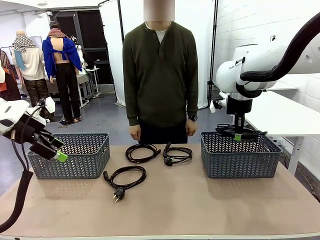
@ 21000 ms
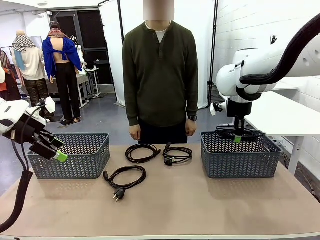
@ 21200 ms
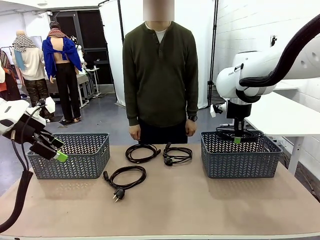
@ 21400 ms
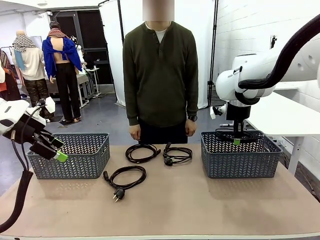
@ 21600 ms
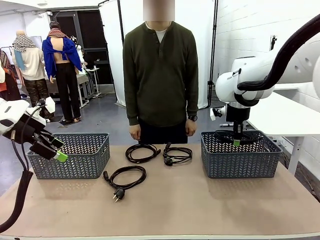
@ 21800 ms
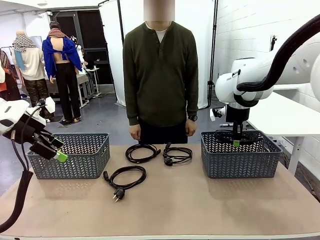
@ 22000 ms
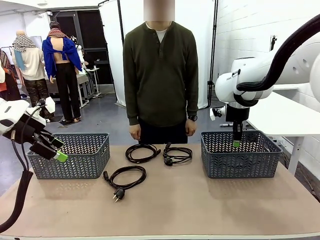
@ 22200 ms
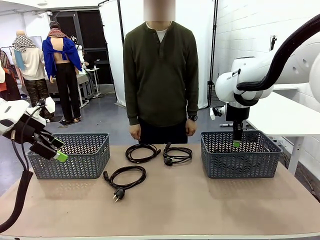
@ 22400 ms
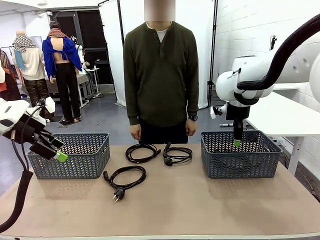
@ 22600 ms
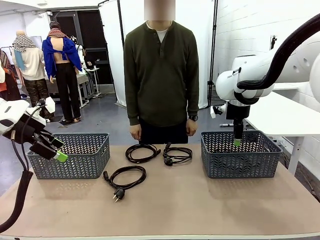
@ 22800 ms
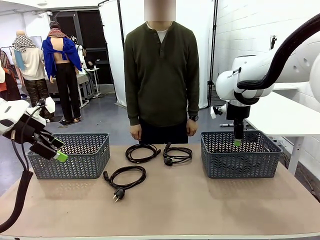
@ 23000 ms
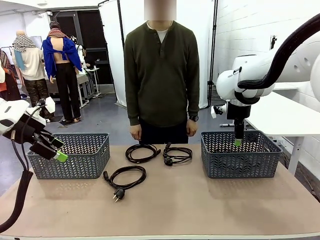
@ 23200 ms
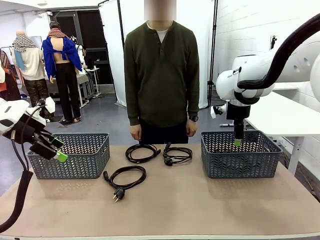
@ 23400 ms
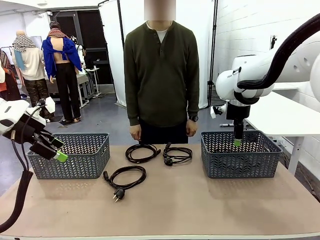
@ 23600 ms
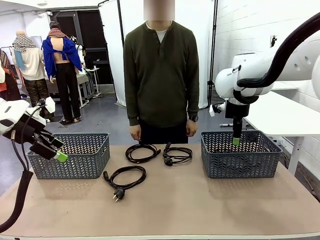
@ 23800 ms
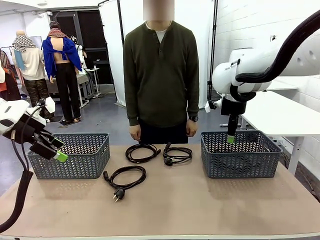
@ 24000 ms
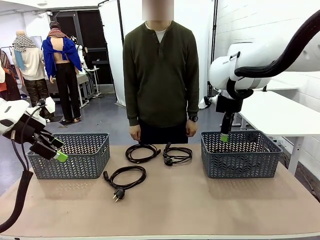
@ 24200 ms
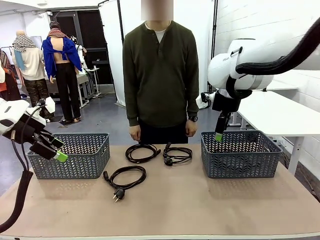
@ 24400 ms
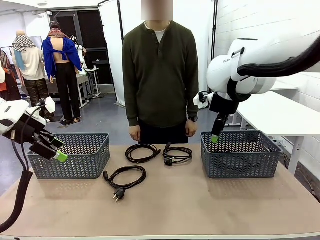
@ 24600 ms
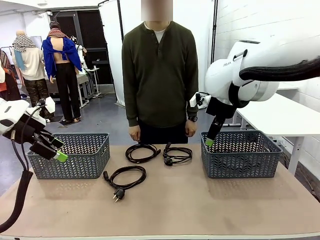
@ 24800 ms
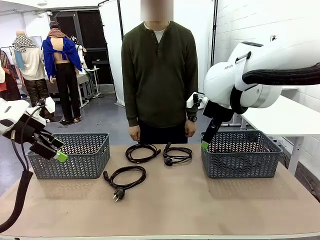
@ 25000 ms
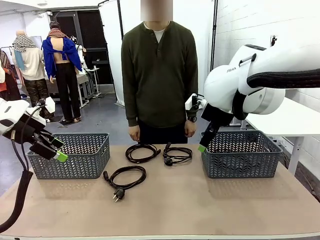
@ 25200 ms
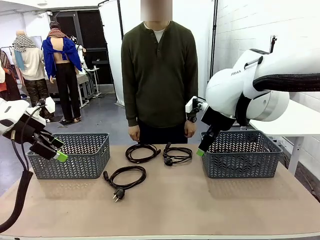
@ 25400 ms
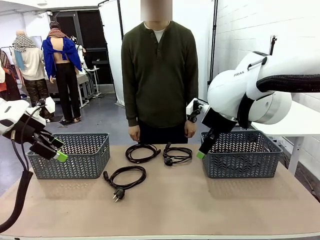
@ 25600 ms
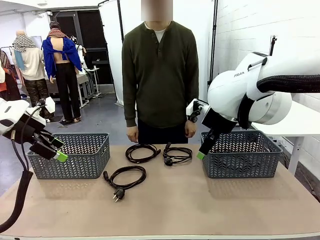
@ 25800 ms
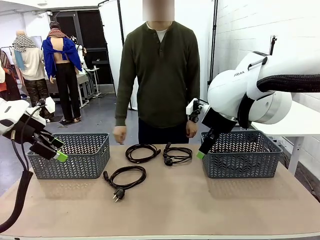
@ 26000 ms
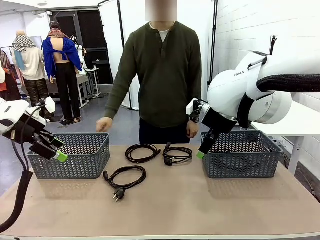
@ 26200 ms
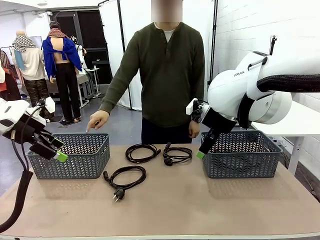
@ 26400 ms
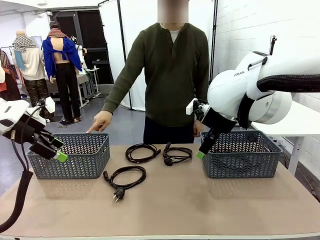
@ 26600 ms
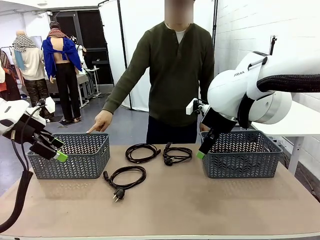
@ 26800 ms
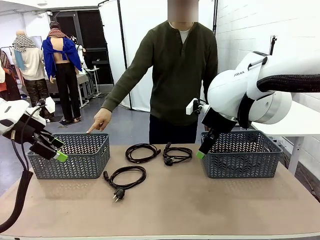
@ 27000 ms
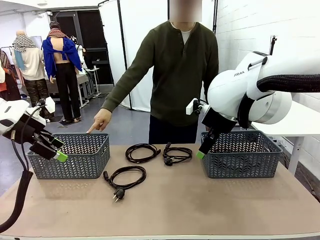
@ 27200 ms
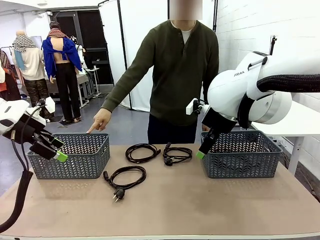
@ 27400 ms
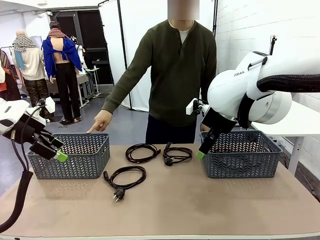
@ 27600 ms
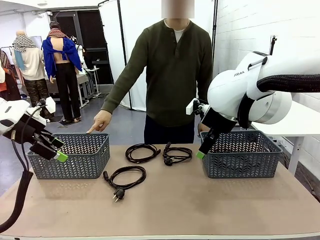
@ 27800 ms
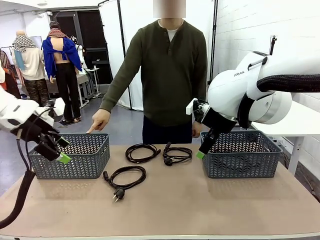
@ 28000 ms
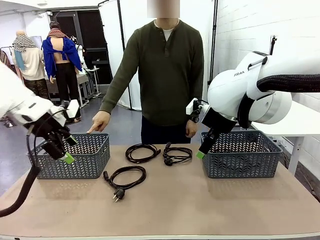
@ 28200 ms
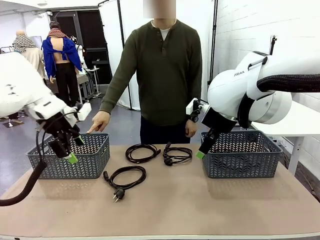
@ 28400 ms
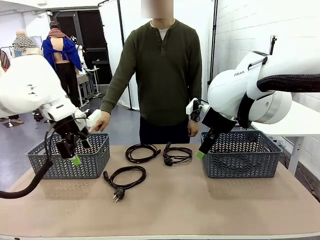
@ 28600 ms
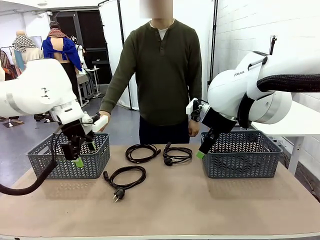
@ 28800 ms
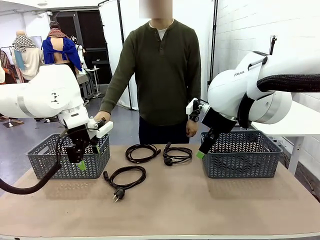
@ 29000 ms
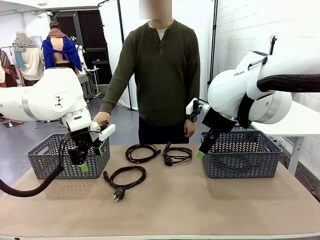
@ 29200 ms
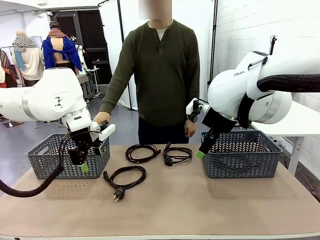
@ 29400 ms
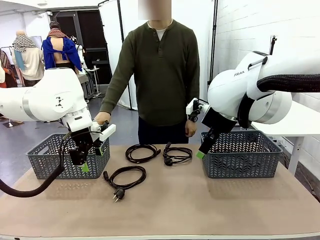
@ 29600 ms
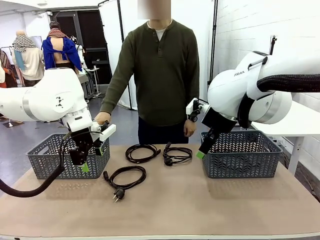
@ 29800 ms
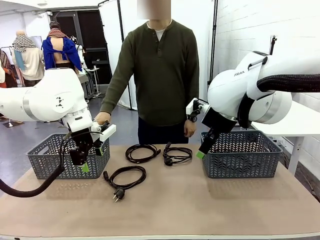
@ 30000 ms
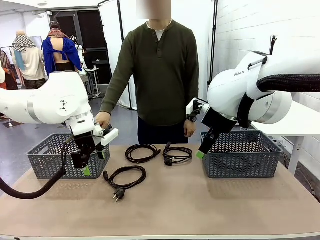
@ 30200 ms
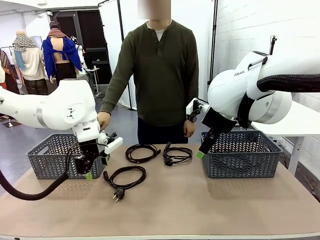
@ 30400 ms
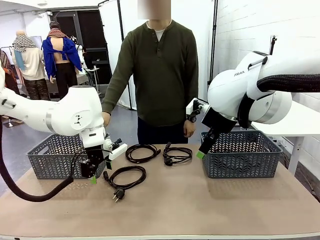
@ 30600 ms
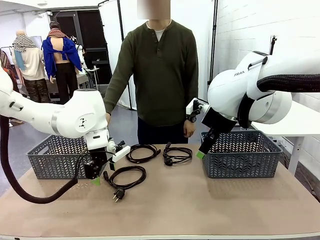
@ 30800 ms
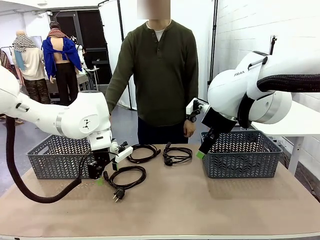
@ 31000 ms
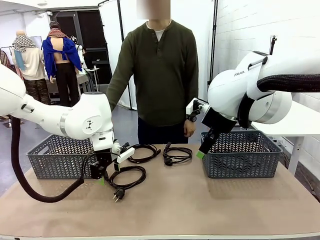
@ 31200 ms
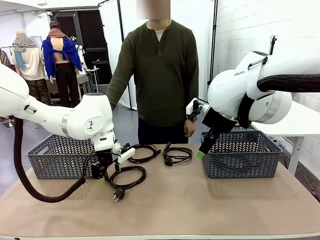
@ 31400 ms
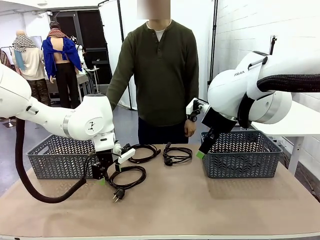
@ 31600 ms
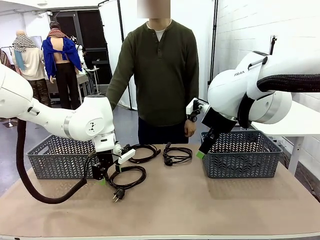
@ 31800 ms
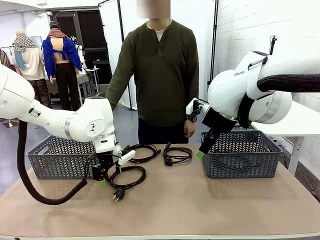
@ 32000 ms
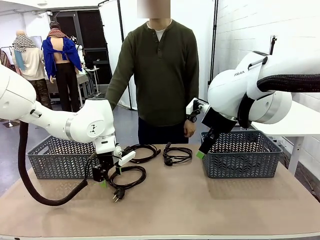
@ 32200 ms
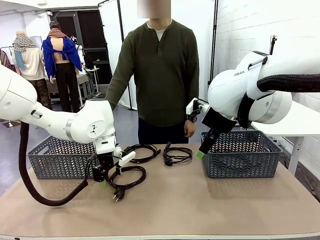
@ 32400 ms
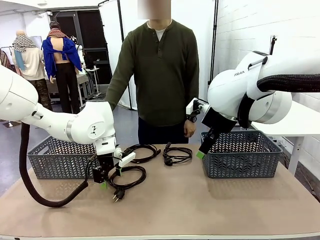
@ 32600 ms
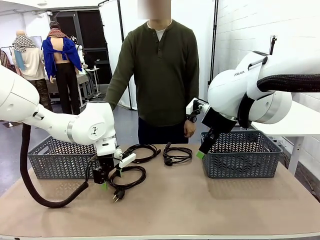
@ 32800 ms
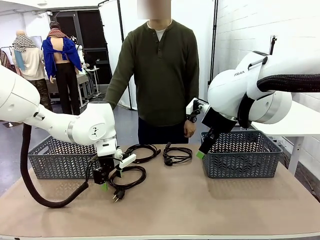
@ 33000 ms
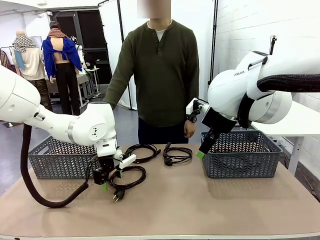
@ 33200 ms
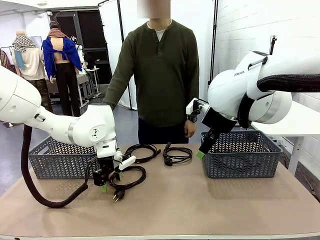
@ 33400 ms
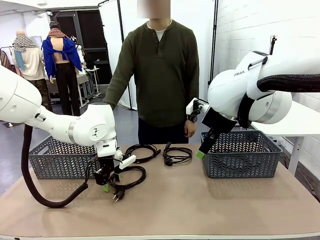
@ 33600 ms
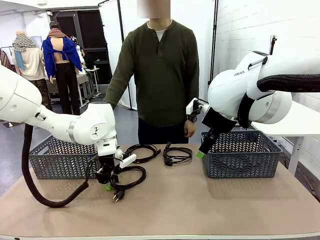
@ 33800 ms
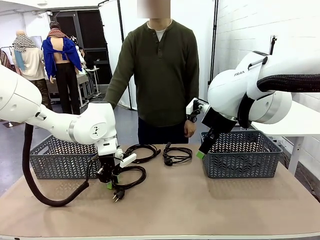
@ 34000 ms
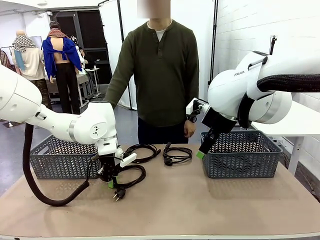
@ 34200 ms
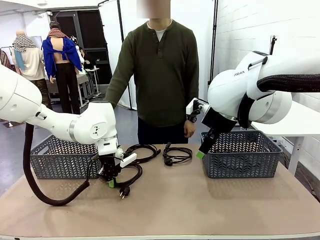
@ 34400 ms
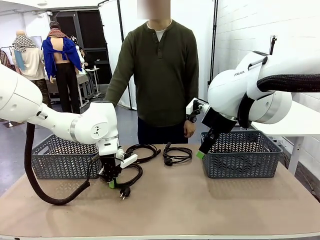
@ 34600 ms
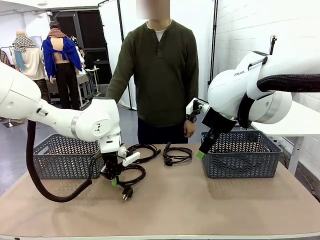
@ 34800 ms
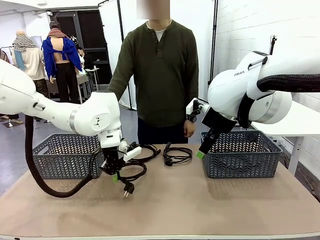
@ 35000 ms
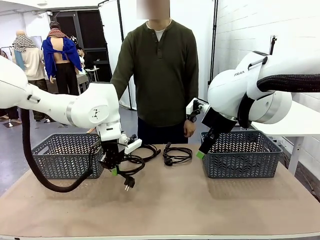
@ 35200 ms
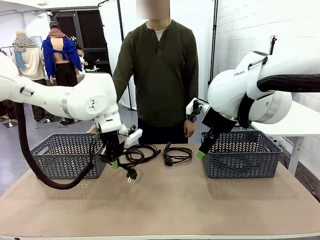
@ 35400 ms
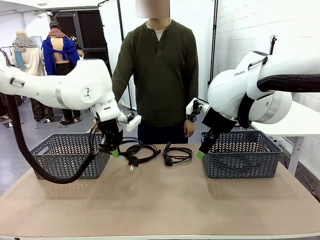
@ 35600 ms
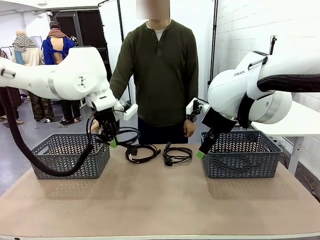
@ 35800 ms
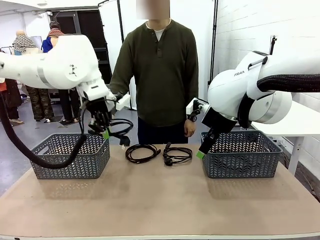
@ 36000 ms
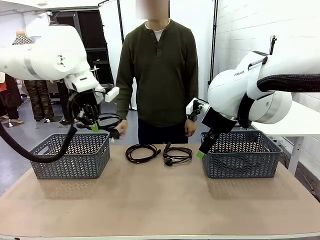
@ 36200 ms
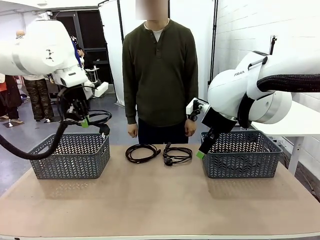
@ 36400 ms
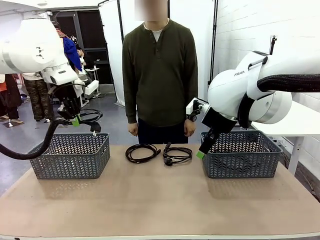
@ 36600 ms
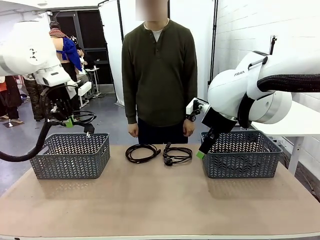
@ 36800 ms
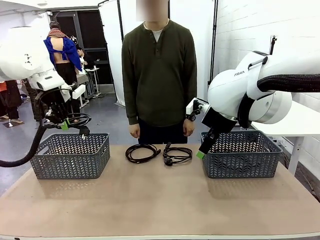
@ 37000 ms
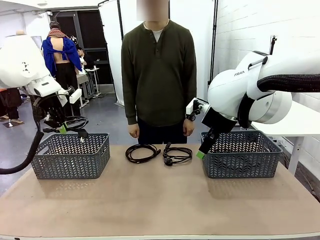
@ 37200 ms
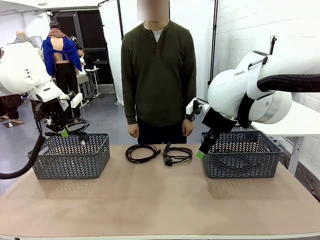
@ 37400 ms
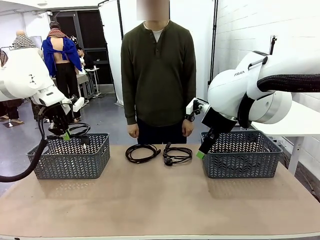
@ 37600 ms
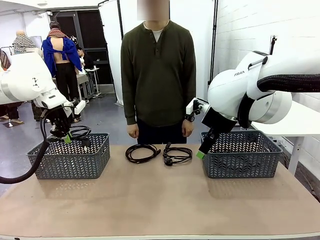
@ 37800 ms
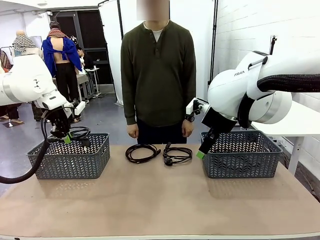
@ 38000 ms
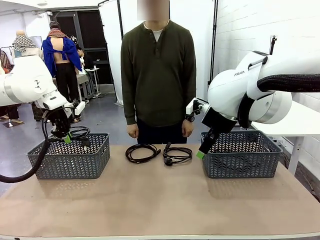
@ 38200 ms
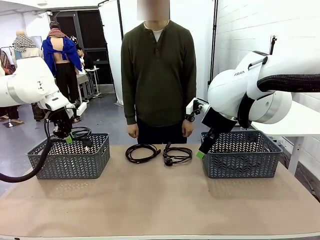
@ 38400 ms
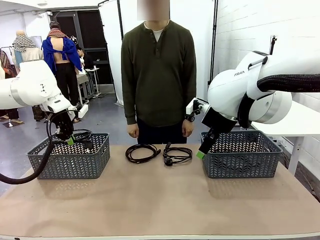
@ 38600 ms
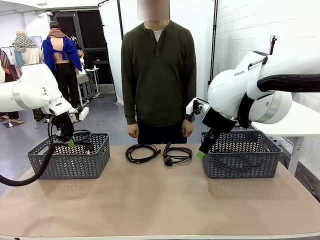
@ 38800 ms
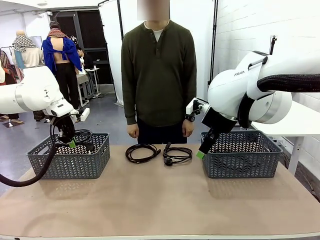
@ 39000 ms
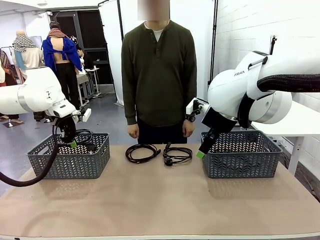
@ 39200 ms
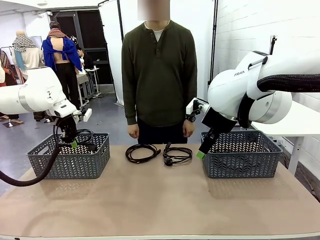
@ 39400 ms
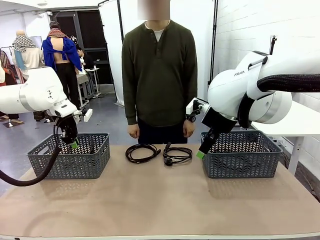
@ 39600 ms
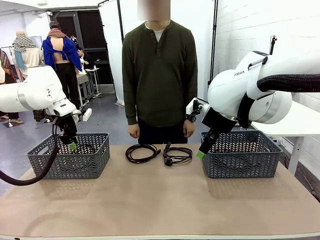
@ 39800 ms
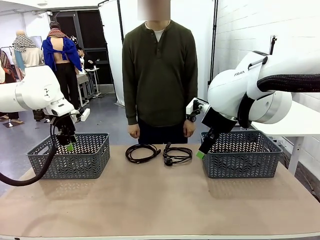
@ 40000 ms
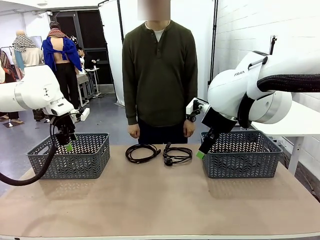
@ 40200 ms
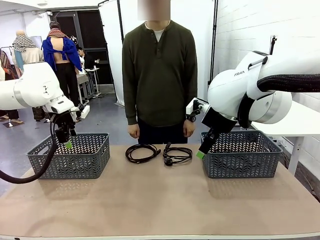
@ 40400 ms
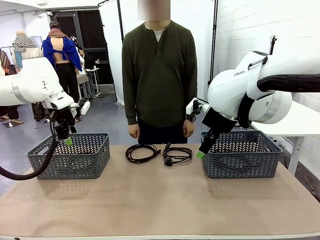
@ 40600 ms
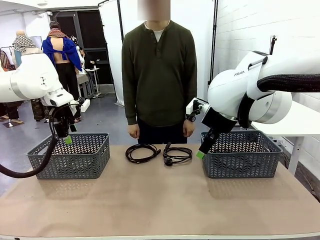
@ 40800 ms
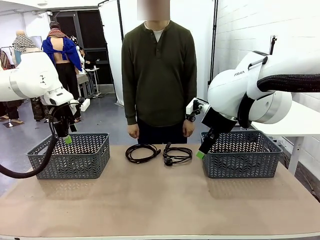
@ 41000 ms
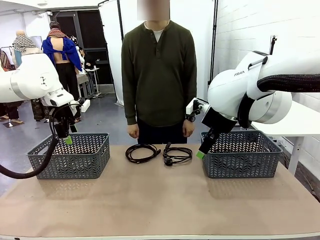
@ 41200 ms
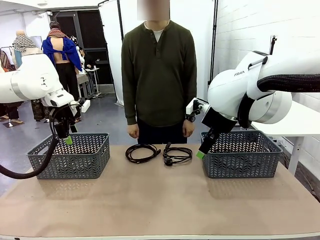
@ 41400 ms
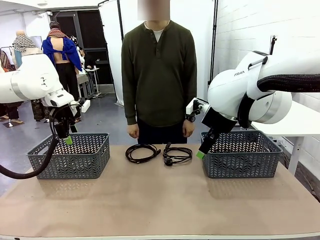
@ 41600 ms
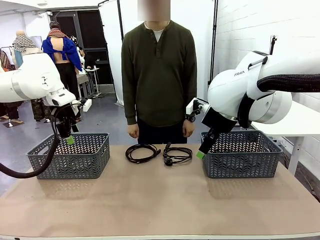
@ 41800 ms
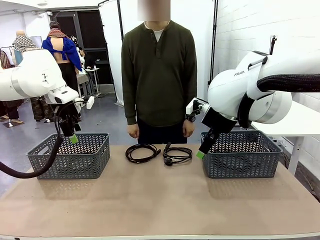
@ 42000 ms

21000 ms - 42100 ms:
Task: Organize the cables according to human instructions.
Robot: Pick up a bundle of cables and place it in the basket indicated by the human.
